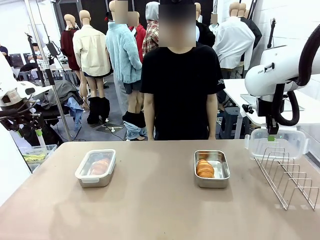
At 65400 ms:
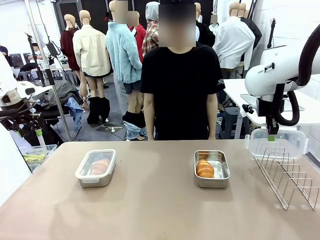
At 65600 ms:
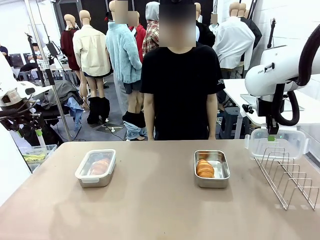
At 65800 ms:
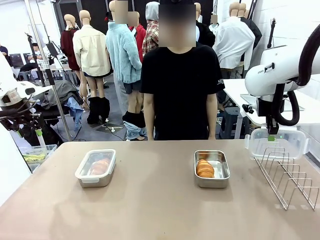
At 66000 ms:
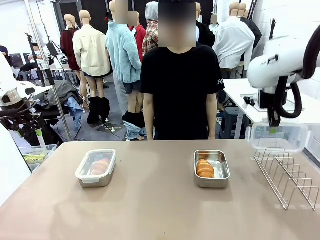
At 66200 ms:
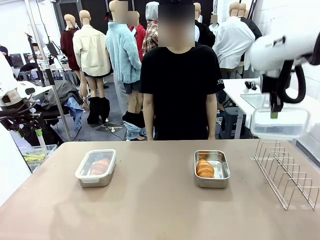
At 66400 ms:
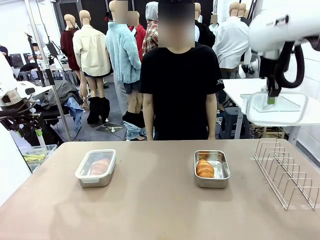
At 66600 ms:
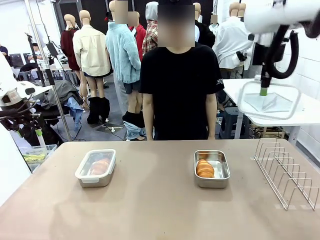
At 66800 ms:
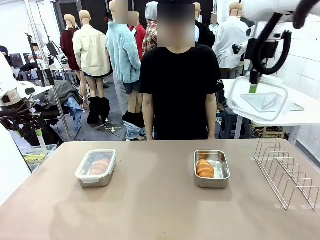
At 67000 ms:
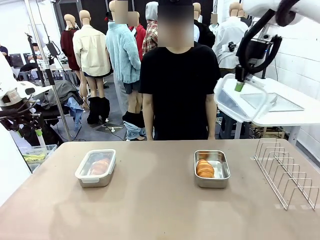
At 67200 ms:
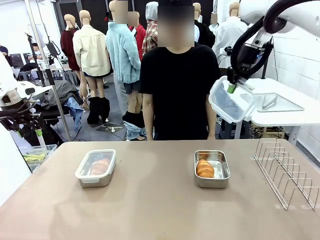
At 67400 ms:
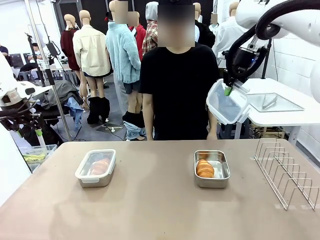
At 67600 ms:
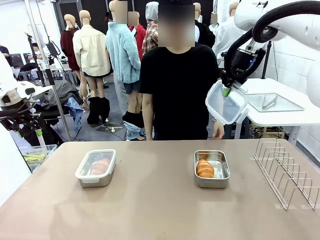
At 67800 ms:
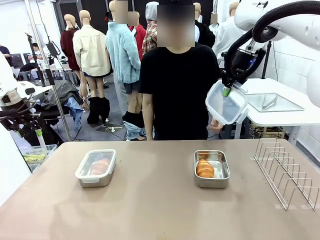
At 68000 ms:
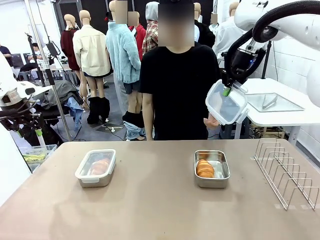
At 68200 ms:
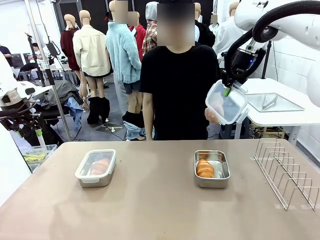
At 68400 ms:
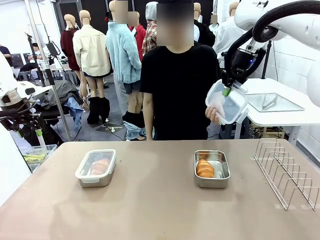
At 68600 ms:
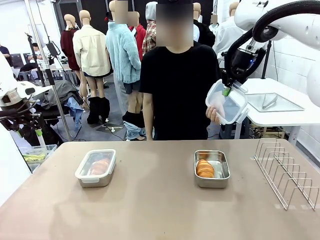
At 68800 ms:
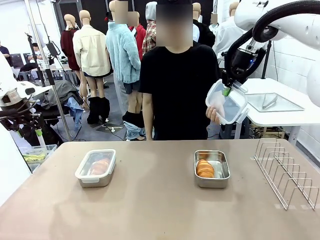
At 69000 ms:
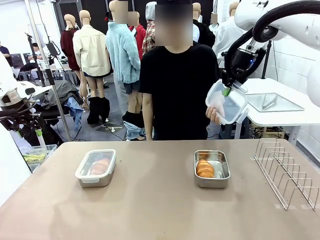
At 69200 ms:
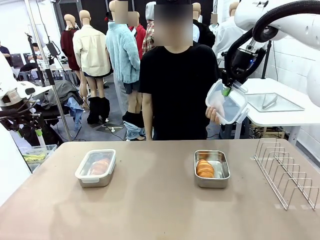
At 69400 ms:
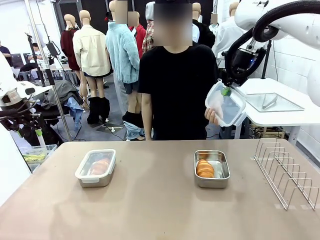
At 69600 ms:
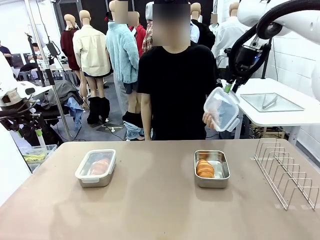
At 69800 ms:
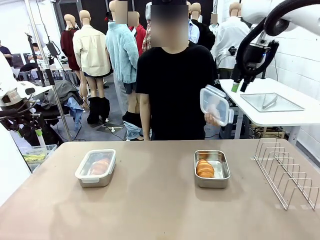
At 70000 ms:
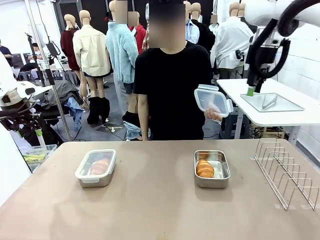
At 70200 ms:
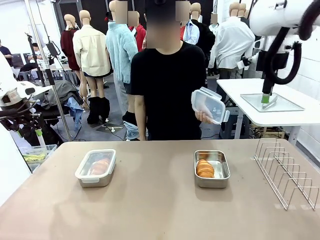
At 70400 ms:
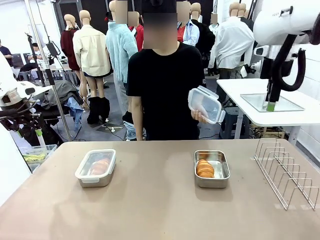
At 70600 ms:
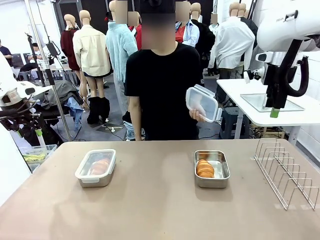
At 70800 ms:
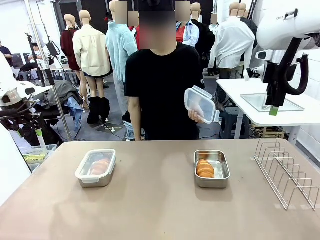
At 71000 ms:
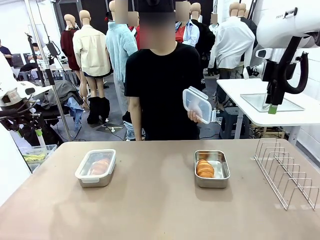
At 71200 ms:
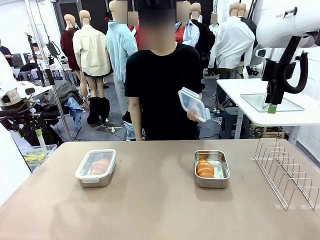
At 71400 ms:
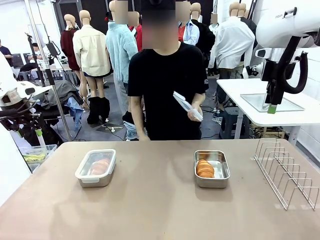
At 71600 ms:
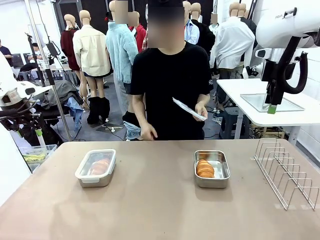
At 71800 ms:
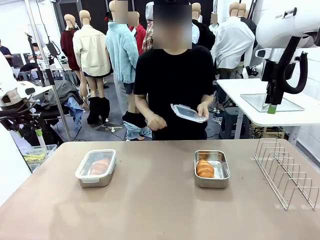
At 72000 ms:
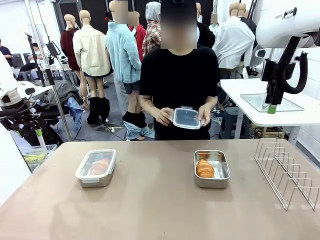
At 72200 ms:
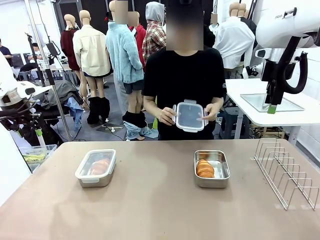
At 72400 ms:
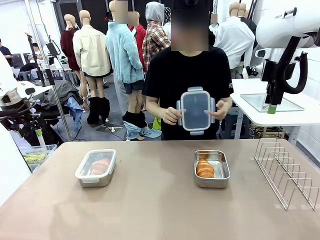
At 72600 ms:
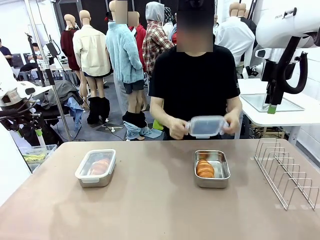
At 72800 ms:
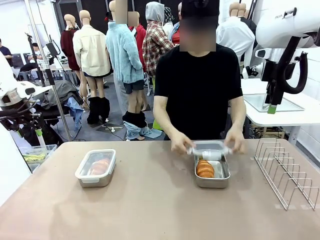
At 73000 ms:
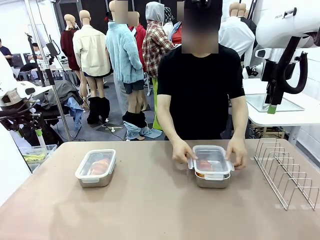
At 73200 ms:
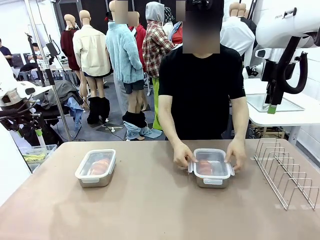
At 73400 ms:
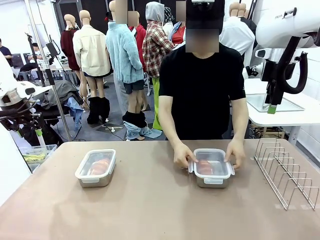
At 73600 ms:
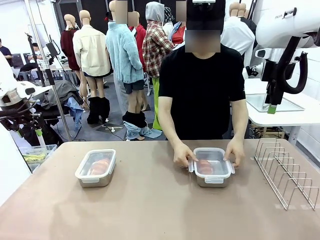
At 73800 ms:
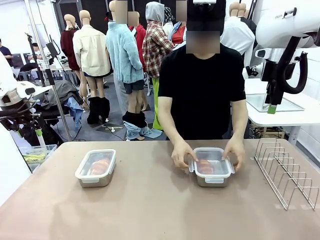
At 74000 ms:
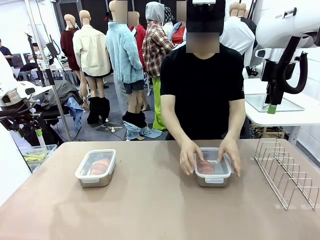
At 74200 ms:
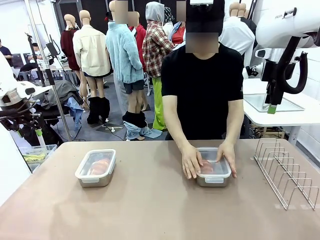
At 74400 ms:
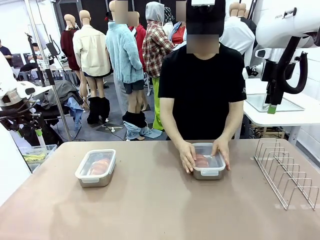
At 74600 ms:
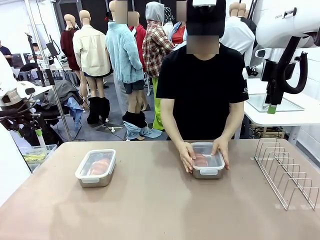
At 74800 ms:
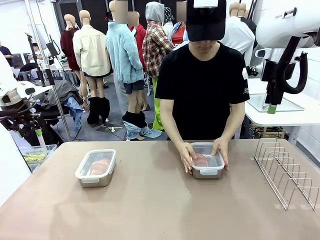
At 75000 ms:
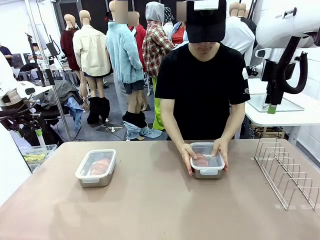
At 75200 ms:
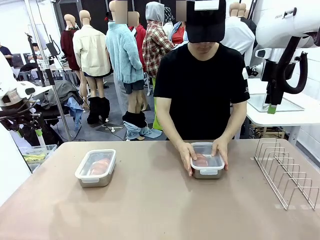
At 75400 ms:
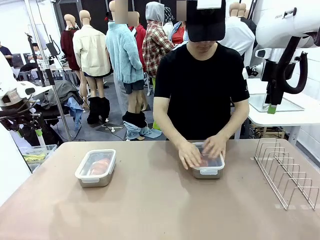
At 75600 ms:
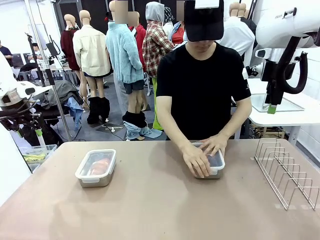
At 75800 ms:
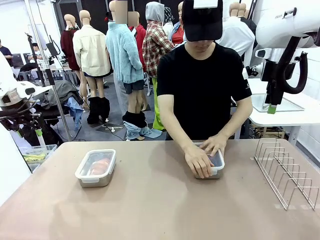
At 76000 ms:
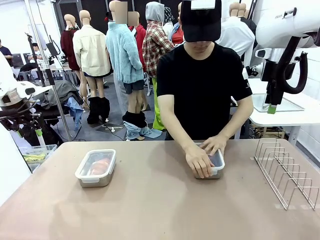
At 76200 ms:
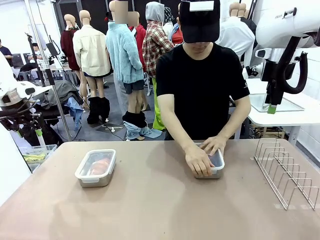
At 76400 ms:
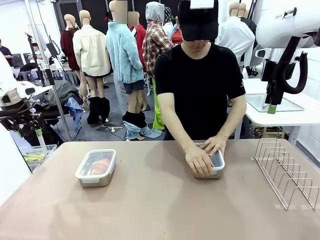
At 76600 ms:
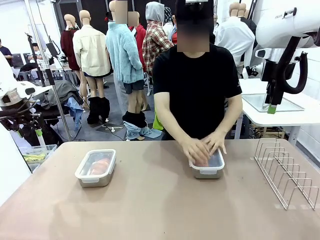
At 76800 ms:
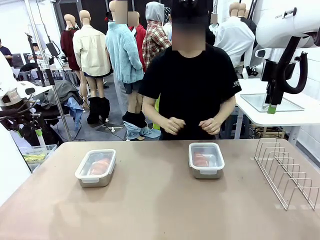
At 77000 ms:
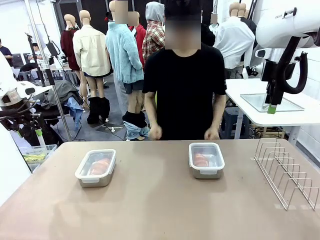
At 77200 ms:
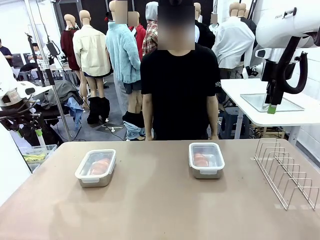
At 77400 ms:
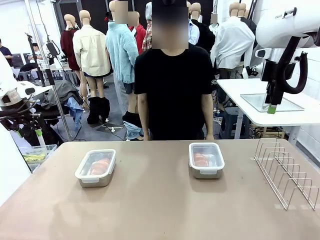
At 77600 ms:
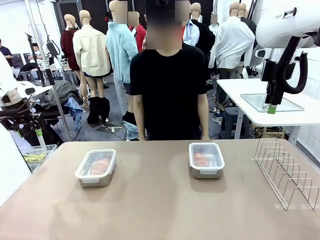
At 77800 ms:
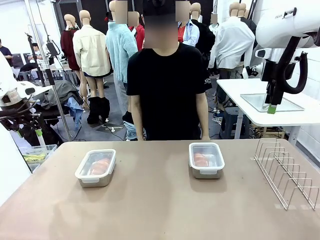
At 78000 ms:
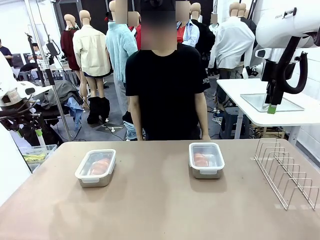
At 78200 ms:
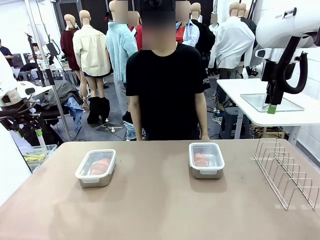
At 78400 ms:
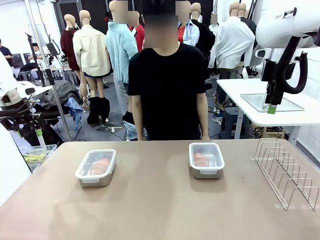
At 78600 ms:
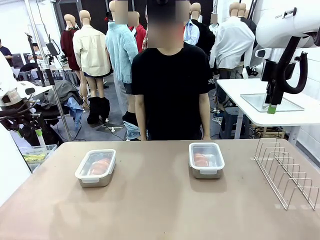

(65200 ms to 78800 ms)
Task: Place the bread in airtight containers.
Robot: Release when the human grabs the Airtight Container lid.
Person: Grip Airtight Container lid that robot is handing. Close Airtight Container with a handed Airtight Container lid.
